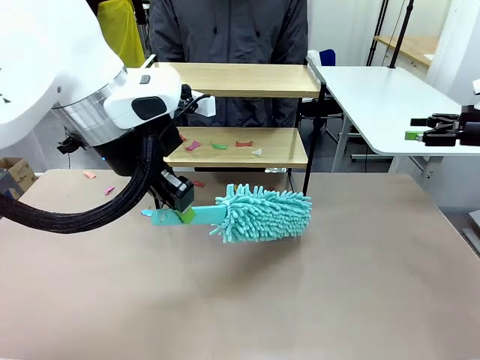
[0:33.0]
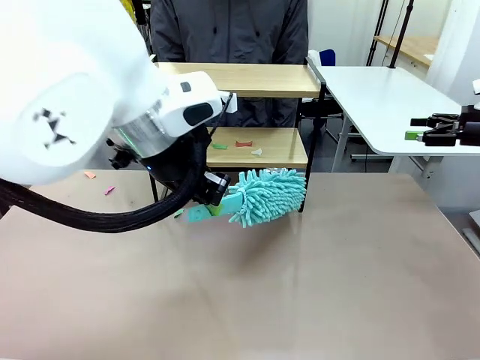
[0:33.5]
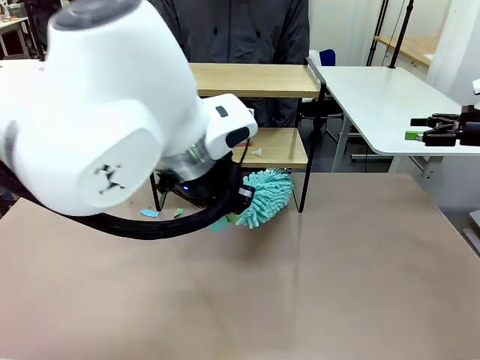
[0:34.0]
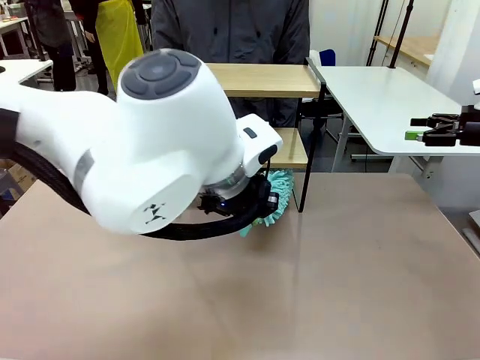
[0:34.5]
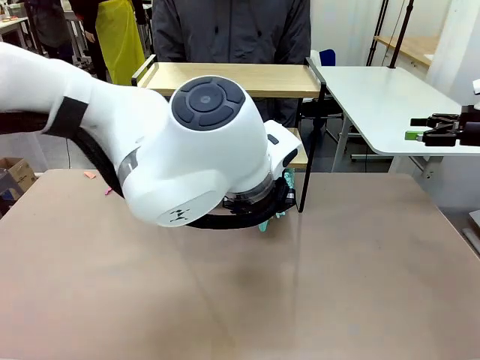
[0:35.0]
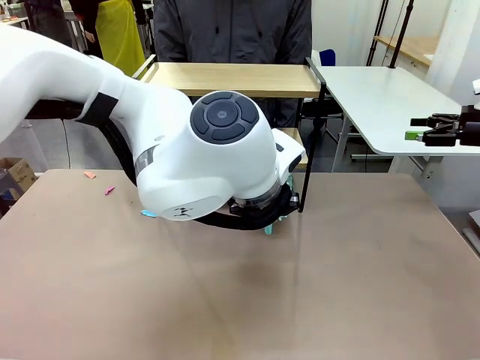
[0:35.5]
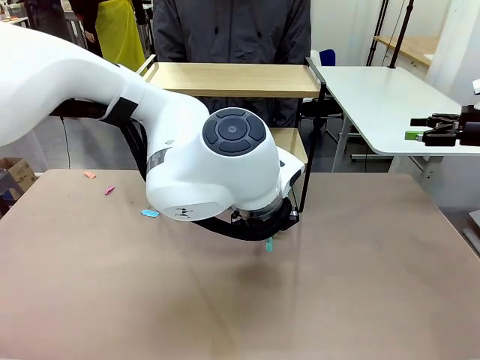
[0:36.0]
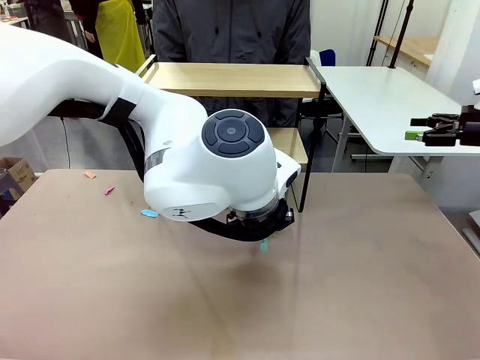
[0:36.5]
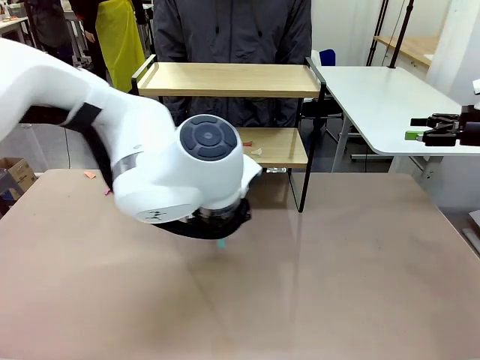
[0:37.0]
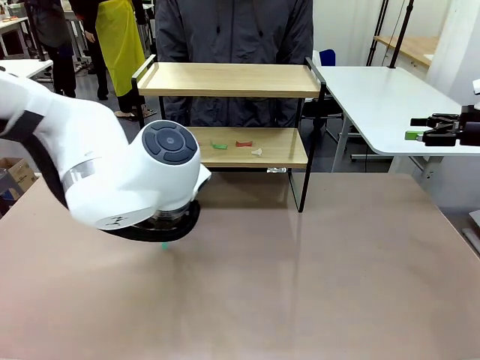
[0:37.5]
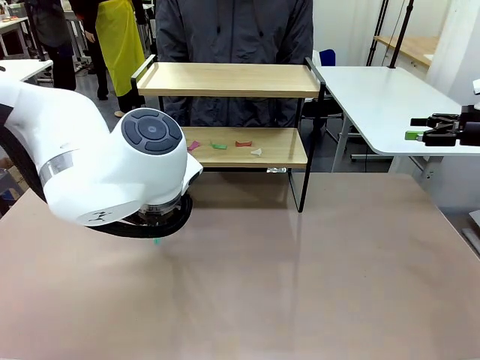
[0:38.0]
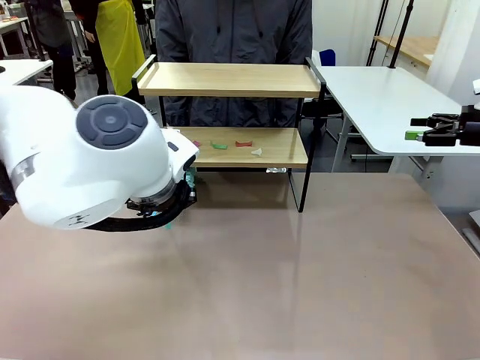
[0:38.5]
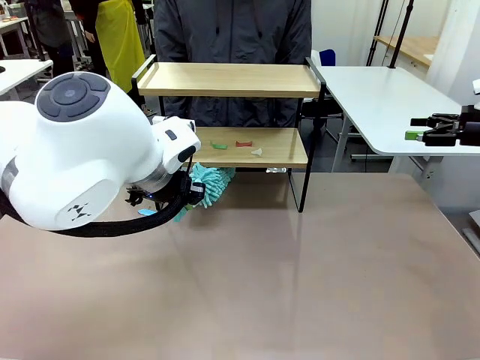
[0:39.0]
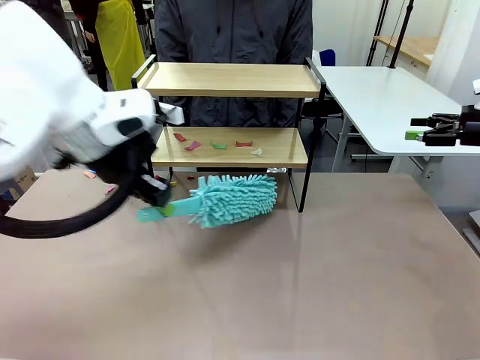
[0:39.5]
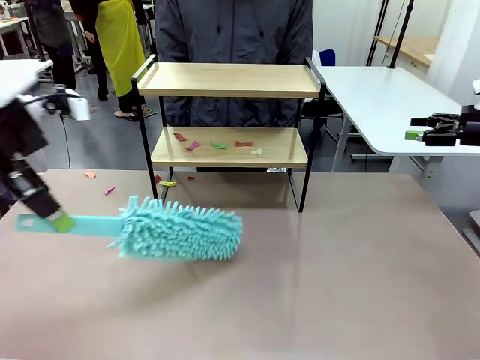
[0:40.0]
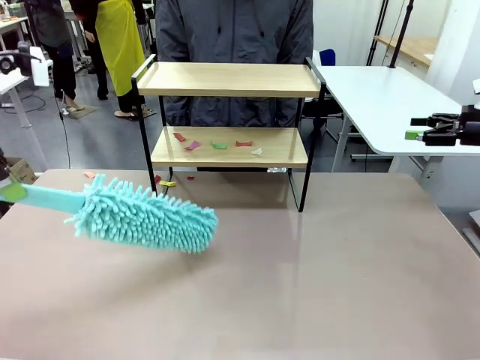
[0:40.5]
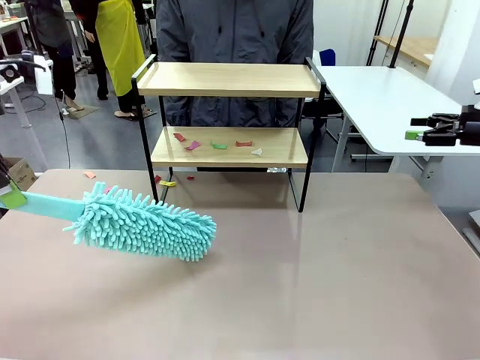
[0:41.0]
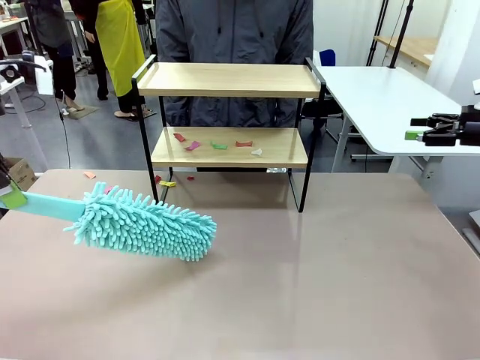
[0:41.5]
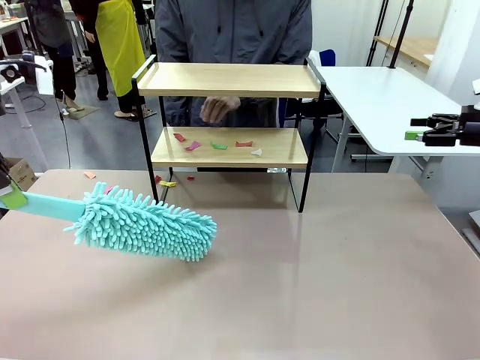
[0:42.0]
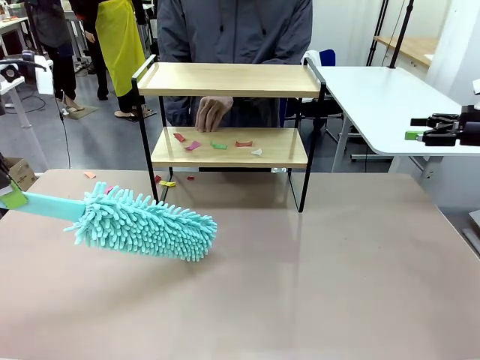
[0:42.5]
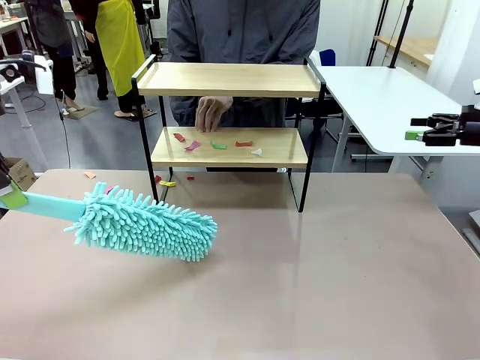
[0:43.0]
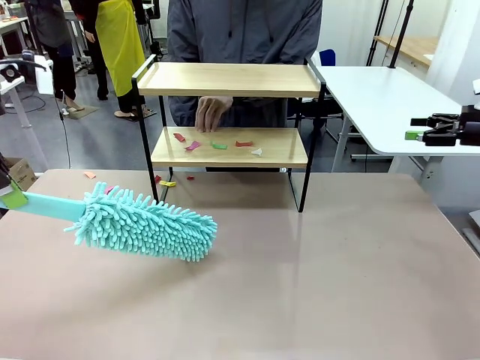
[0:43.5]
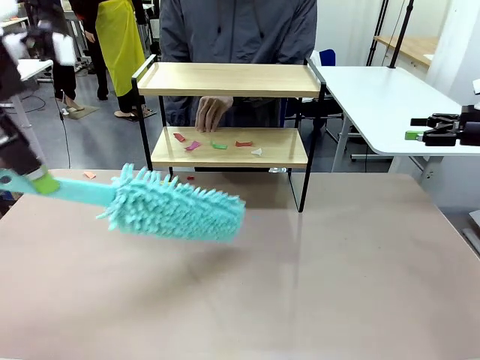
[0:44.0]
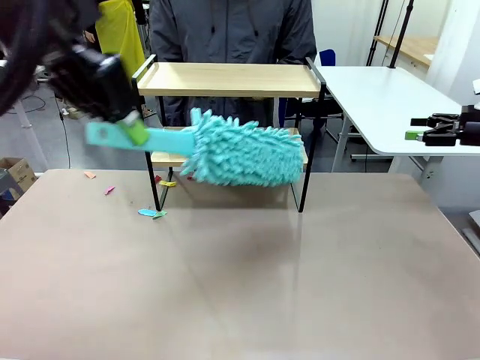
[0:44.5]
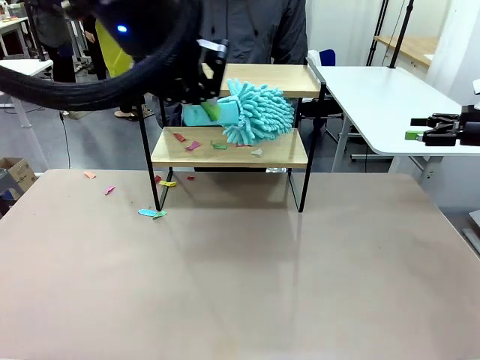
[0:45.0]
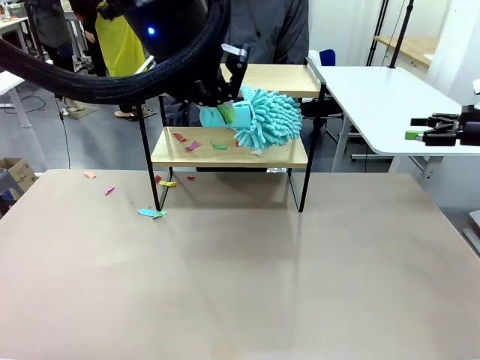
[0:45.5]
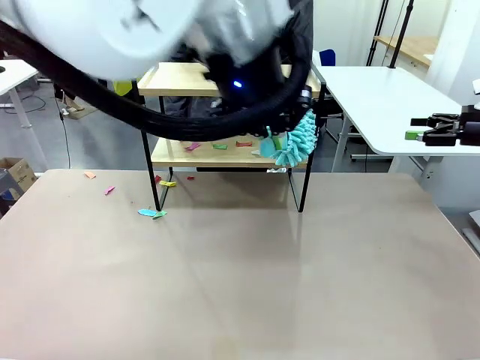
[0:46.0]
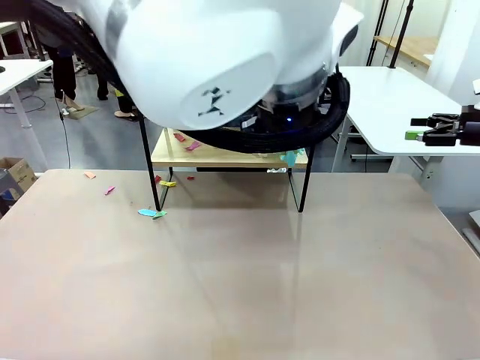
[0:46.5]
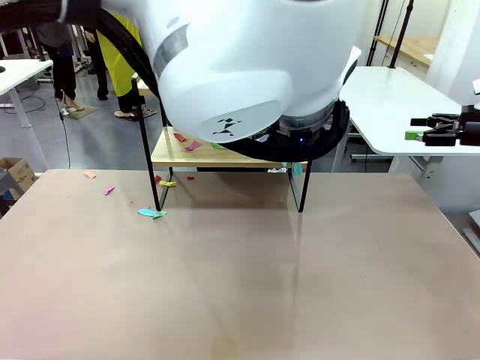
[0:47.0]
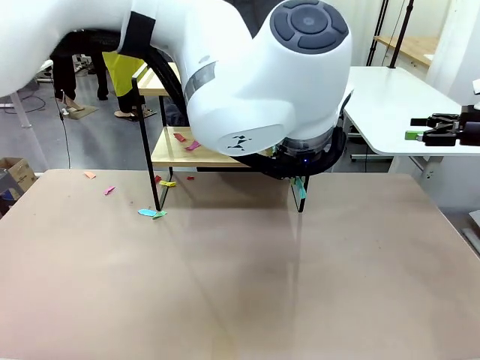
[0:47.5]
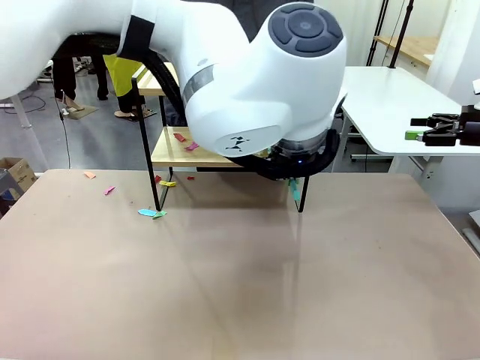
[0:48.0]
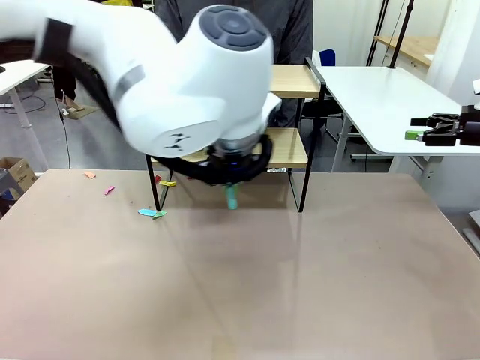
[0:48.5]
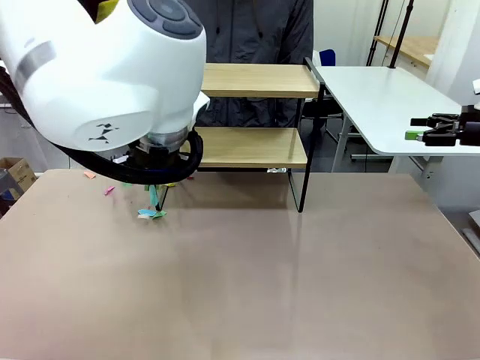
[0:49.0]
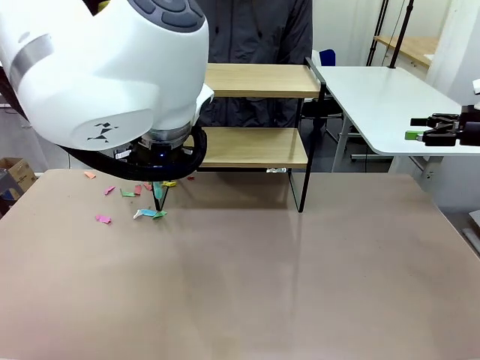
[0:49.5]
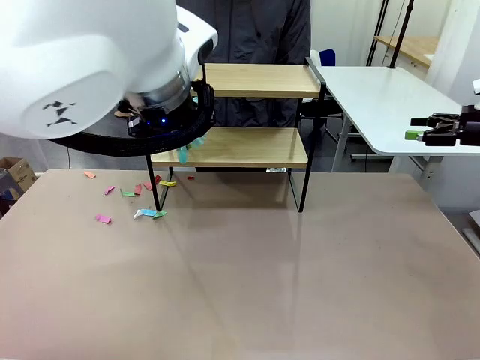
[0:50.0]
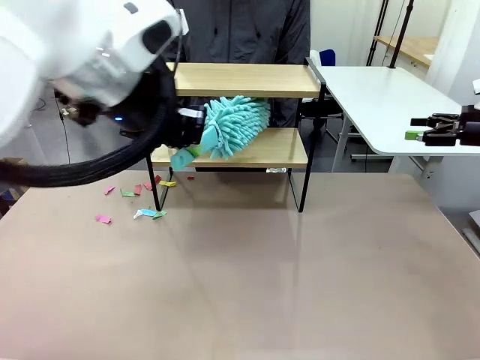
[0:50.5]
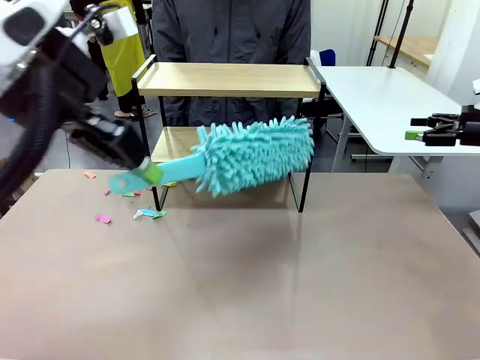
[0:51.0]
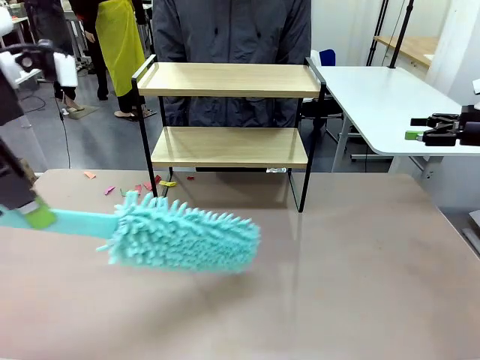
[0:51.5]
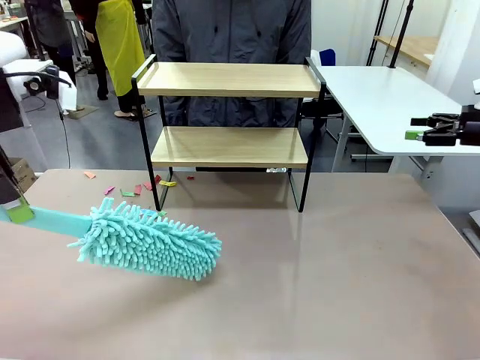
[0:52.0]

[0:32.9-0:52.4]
Task: Clean the shelf.
Robot: Clean the specific section of the Shelf indicated by the human with the Duster.
Person: Point a remaining section of the Shelf.

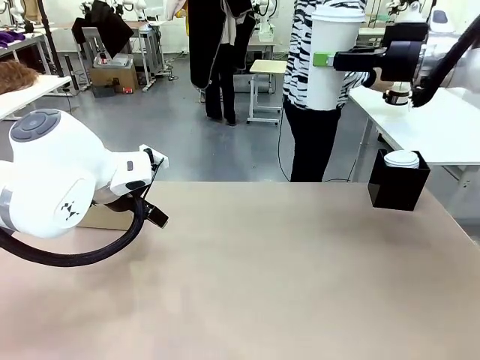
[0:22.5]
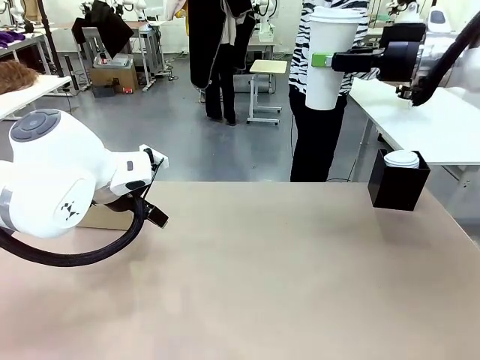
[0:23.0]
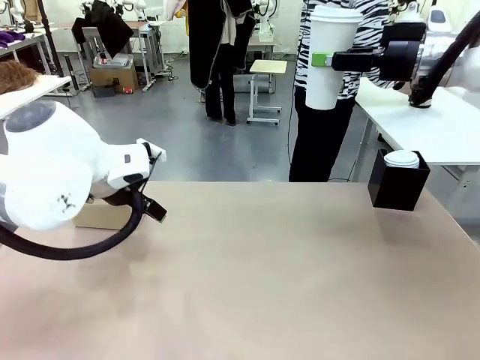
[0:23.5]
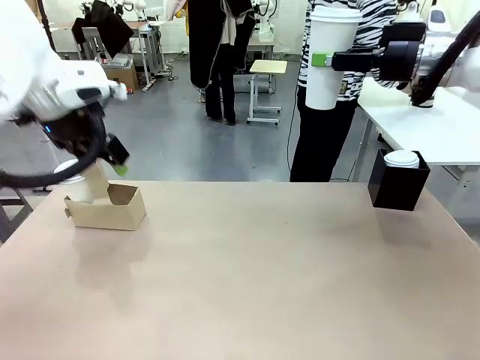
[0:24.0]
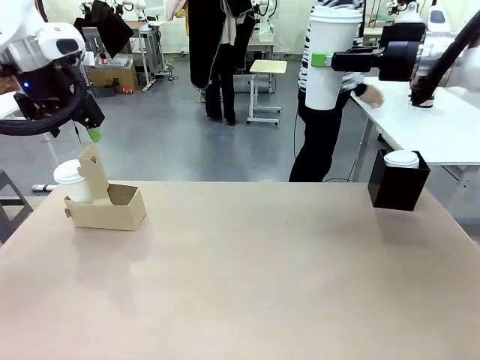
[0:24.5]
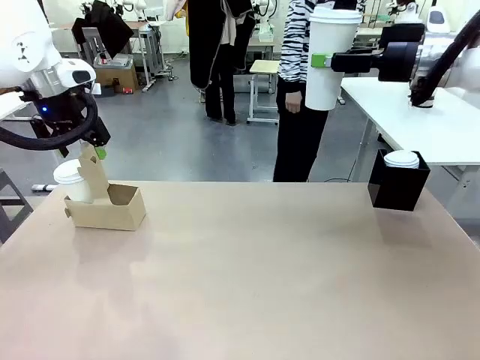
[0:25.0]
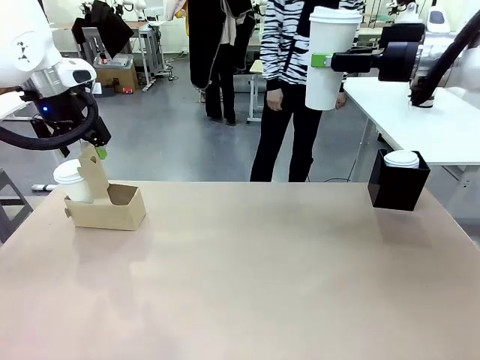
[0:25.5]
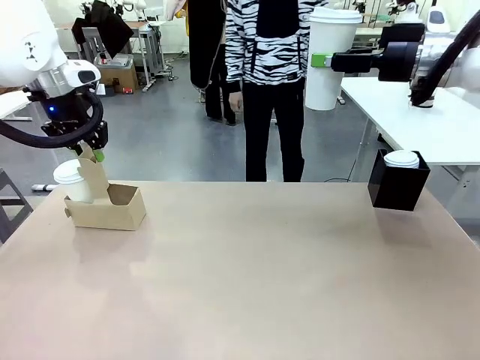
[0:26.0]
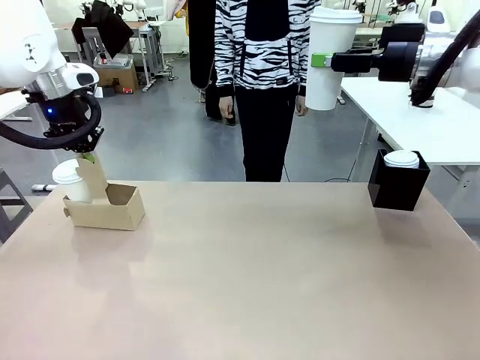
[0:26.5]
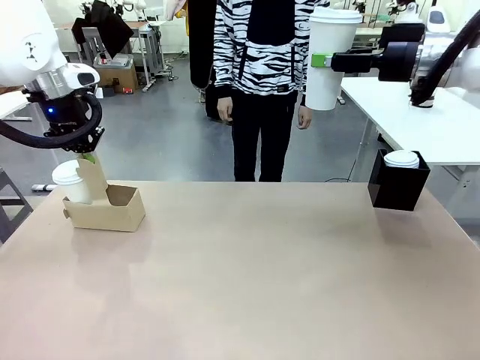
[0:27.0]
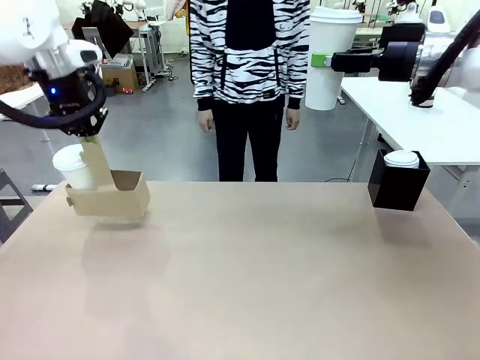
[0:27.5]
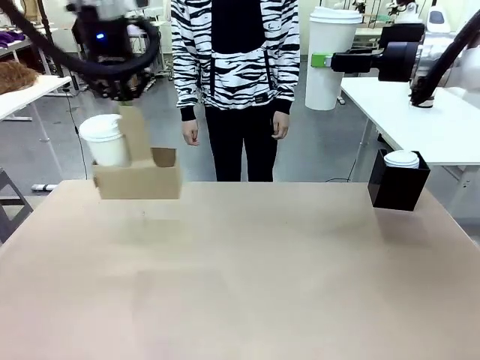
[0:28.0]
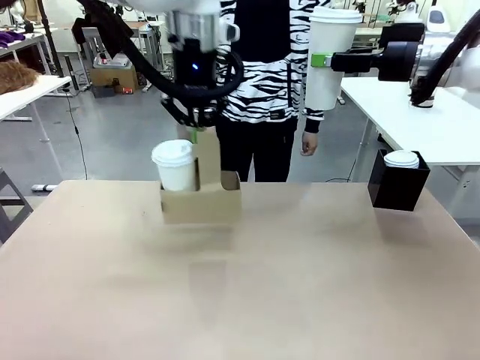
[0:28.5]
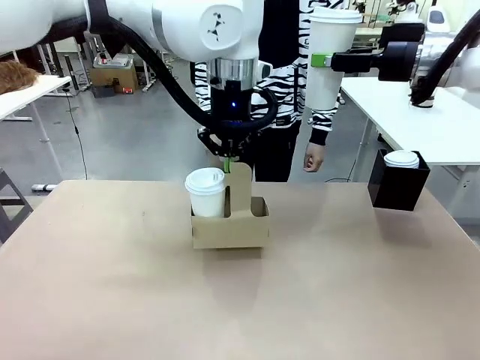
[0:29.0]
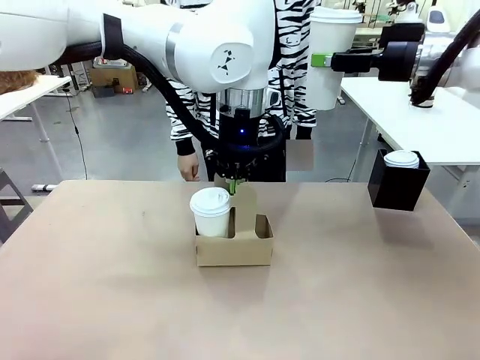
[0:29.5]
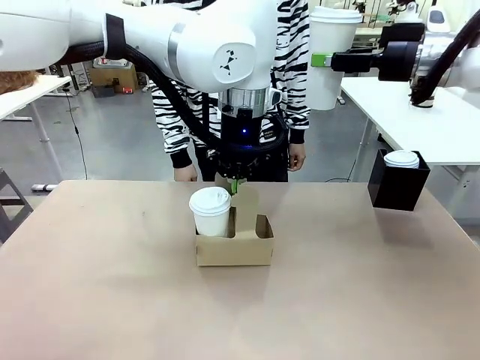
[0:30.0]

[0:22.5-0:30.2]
Task: Pour a drink into a cup and package it in a carrier.
Robot: Position the Cup Carrier in the center of the table.
Person: Pick up the Filter Brewing and place on the middle of Human table, and return to the Robot table.
